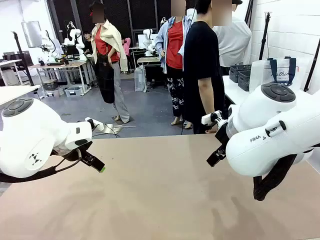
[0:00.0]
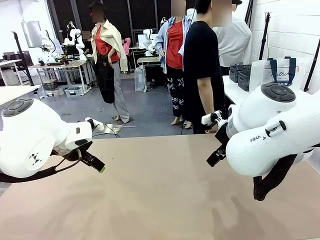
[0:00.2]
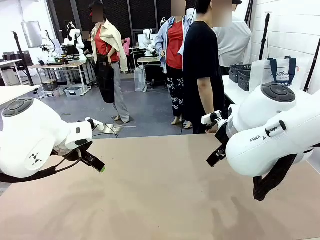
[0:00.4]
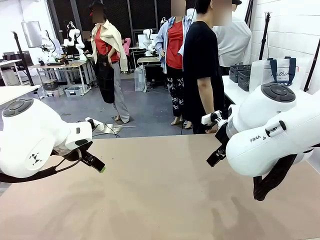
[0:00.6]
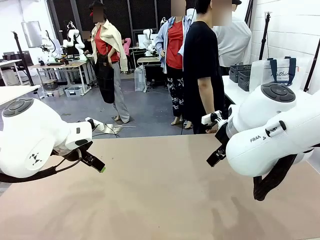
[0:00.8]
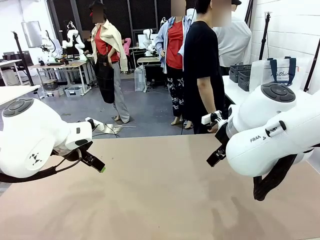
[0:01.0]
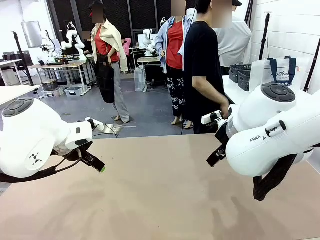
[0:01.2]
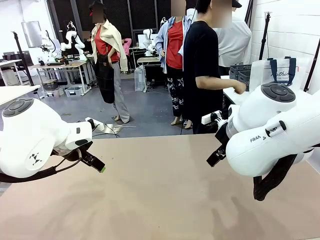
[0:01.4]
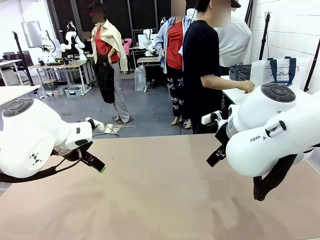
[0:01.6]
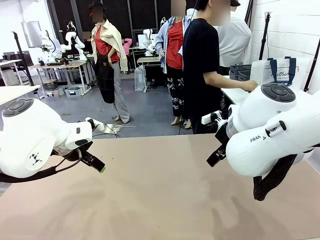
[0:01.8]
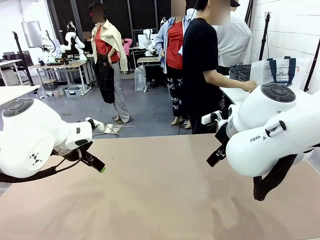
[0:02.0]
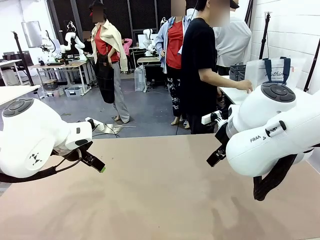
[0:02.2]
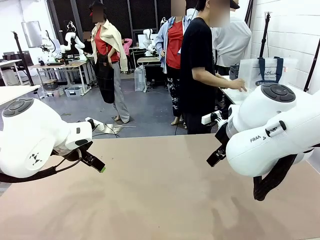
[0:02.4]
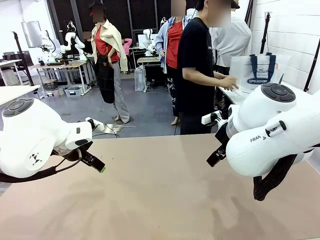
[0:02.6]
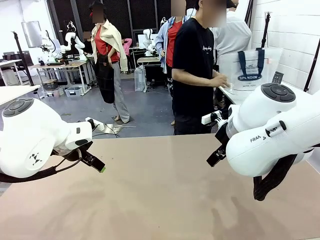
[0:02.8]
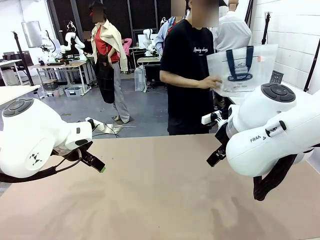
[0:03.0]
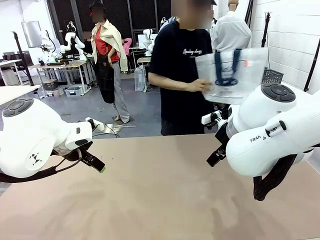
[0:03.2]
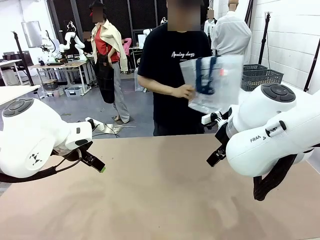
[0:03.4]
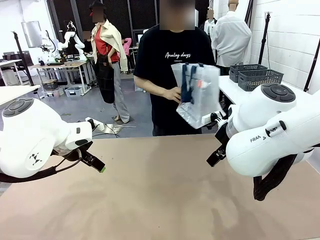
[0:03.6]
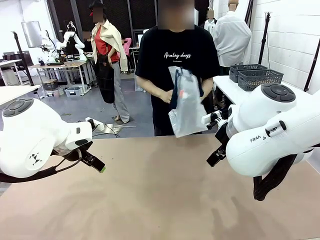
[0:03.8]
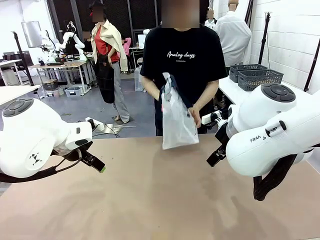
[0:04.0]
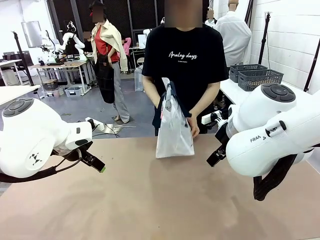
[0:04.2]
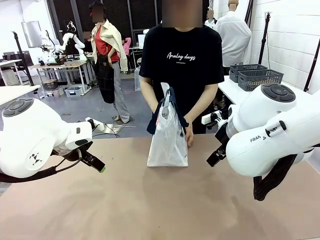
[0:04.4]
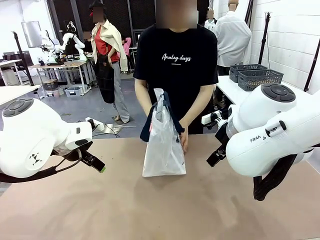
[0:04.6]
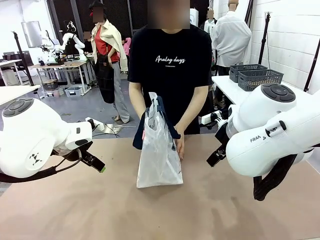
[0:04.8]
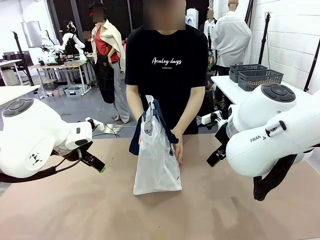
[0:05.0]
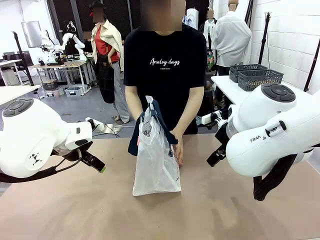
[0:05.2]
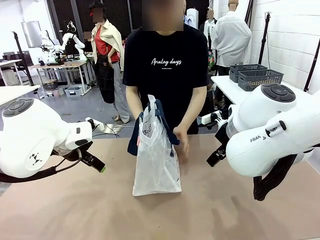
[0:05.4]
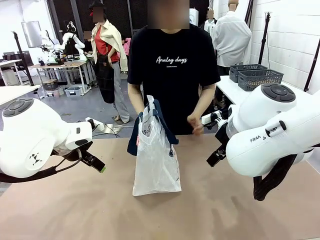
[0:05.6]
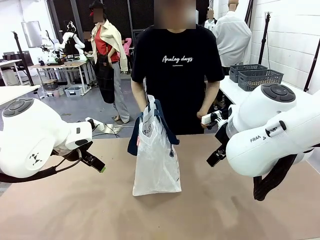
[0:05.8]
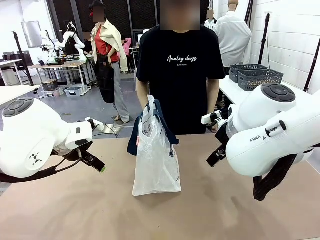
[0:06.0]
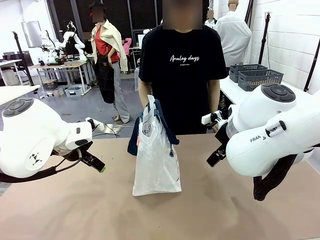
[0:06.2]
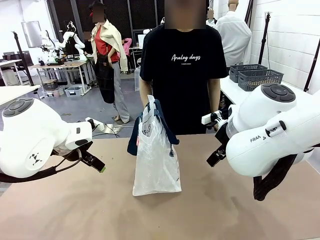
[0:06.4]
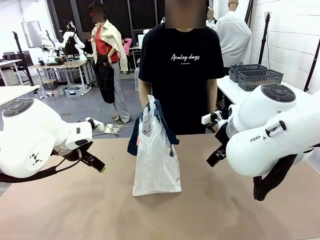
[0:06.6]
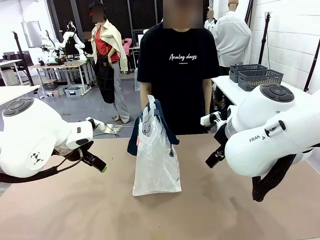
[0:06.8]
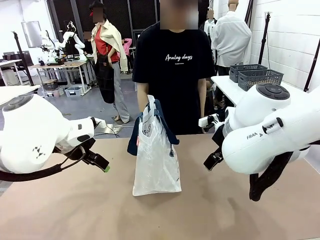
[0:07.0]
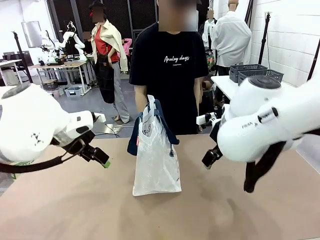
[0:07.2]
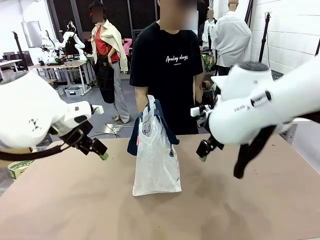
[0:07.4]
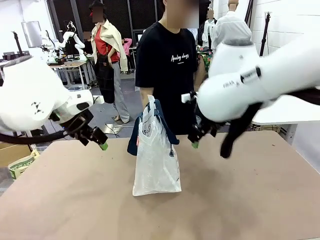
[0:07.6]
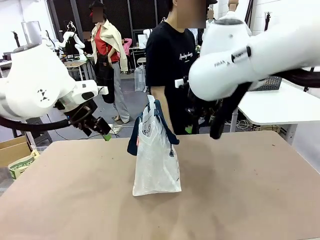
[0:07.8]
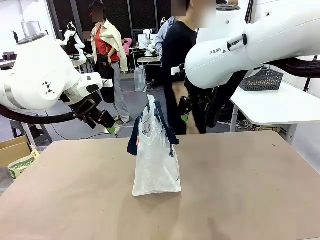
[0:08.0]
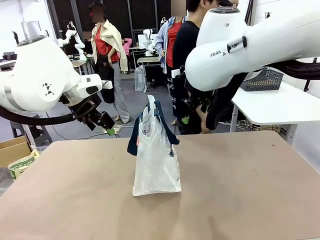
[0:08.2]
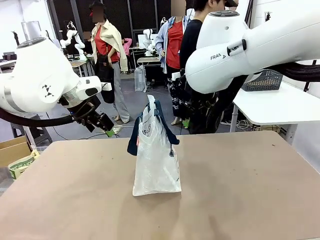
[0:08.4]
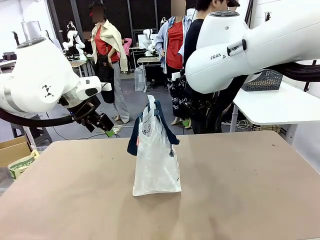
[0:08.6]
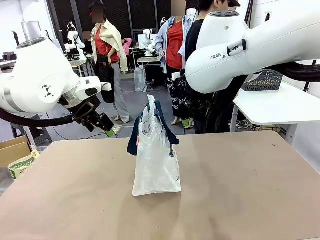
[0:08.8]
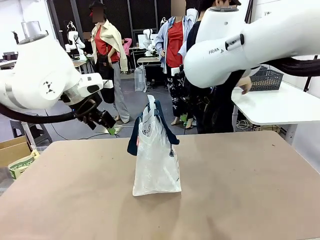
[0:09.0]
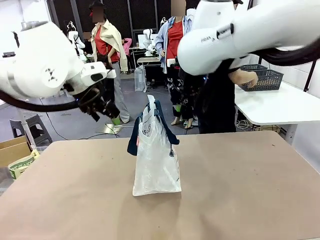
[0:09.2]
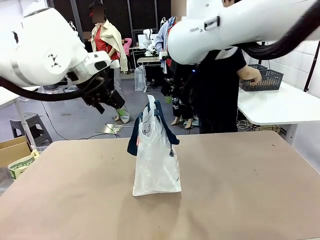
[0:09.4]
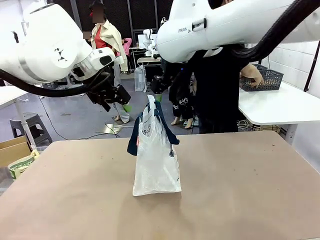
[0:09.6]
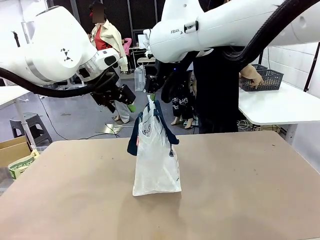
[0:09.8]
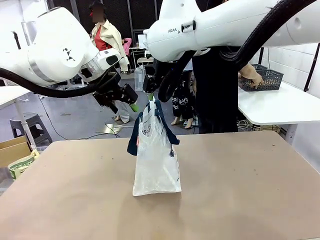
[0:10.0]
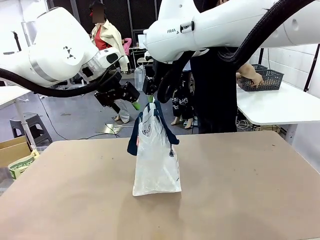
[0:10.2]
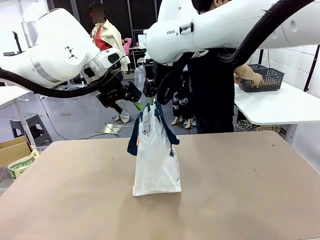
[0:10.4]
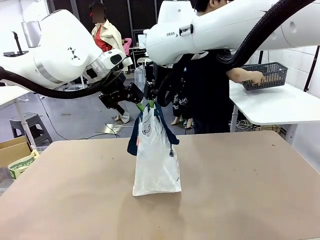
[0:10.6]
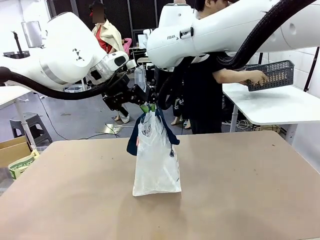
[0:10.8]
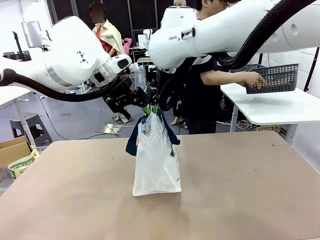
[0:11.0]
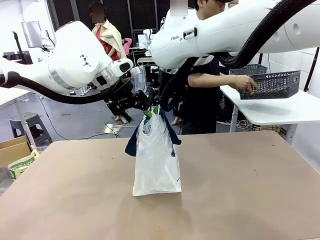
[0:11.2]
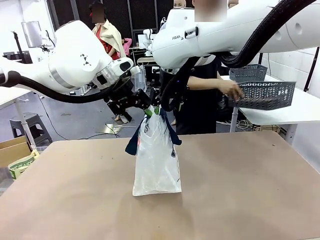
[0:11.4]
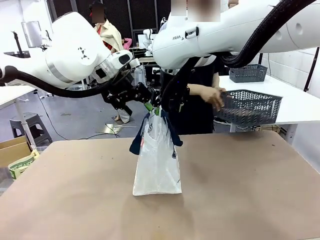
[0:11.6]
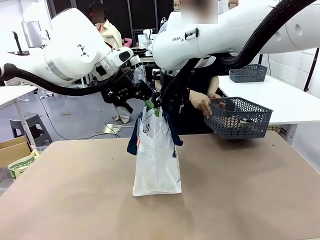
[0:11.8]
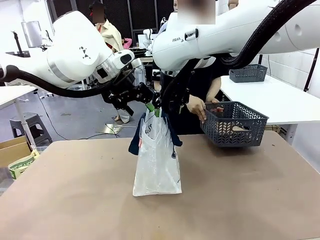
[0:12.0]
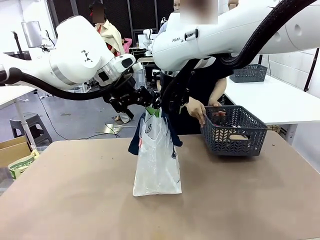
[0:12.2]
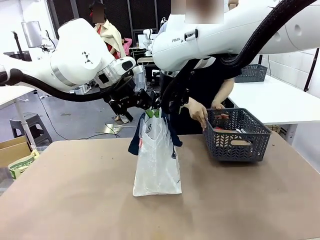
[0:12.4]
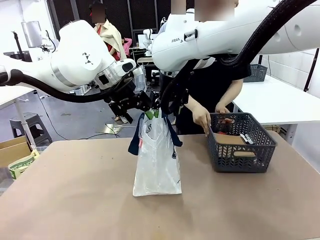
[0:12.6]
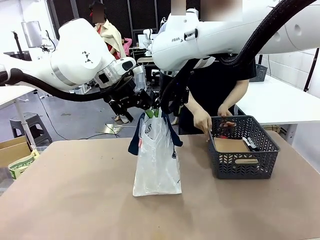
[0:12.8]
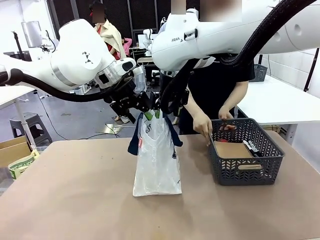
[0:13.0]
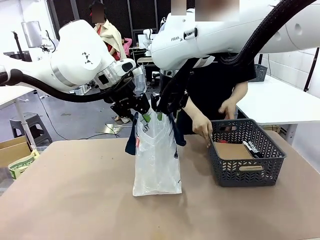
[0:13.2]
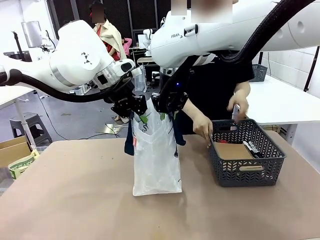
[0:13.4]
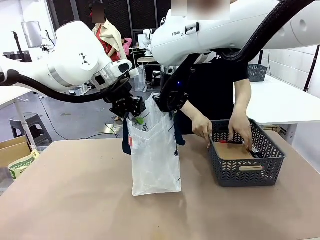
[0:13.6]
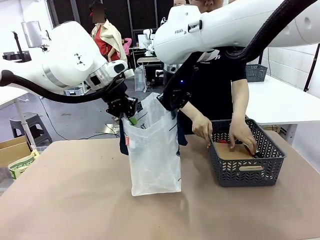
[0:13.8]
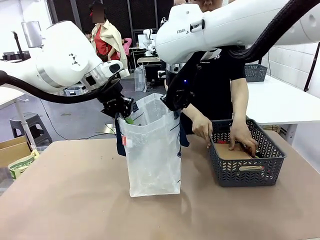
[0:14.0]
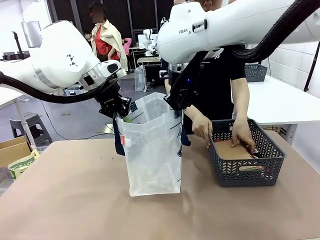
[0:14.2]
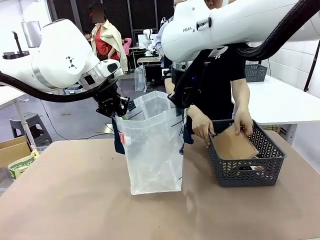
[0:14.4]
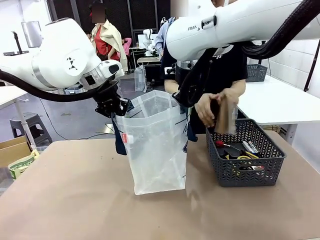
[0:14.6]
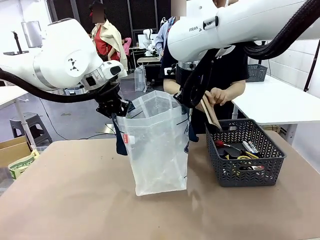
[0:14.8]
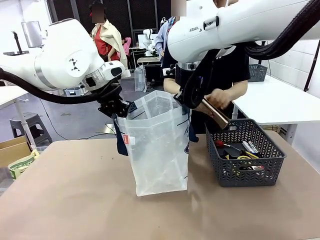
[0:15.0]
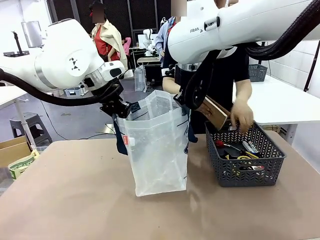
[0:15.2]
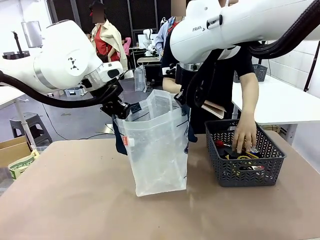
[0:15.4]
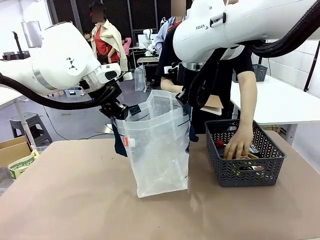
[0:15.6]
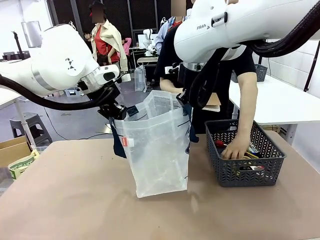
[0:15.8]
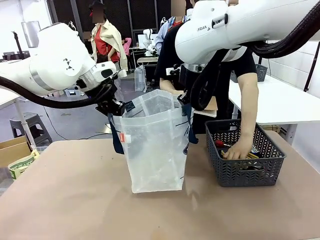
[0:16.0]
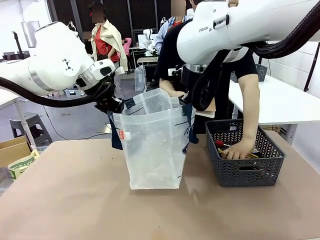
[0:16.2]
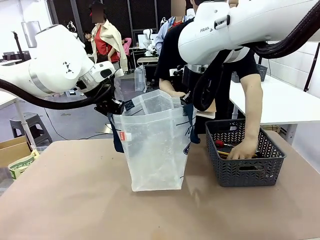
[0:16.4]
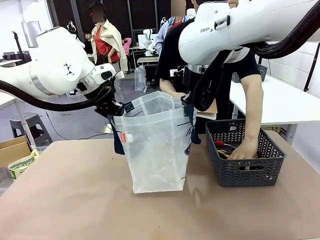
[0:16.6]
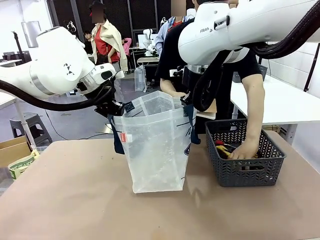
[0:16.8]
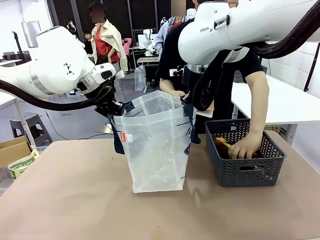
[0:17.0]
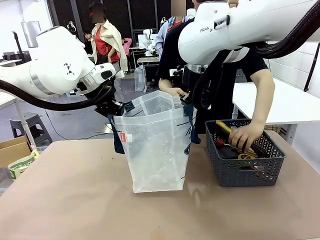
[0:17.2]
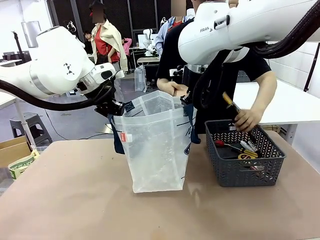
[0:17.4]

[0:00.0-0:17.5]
Task: Transfer purchased items from the store into the shopping bag.
Robot: Open the Reusable shopping bag in the center of the table.
Person: Pick up the shopping bag and place it in the middle of the robot table.
